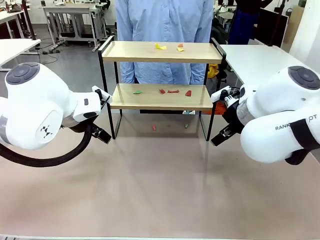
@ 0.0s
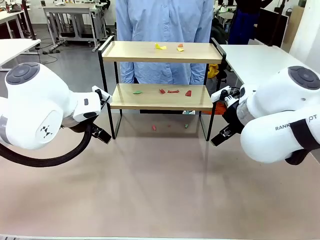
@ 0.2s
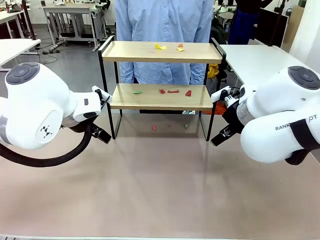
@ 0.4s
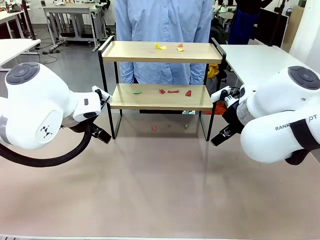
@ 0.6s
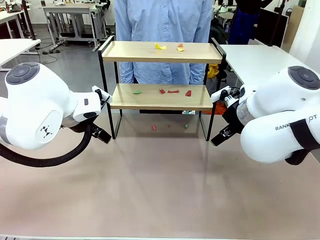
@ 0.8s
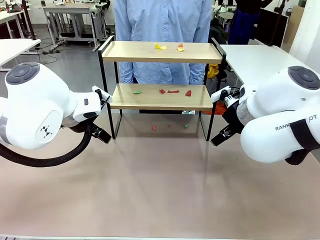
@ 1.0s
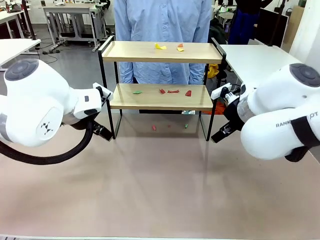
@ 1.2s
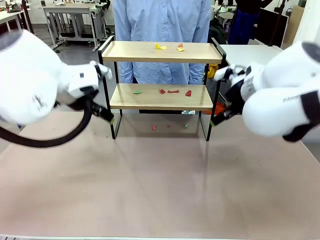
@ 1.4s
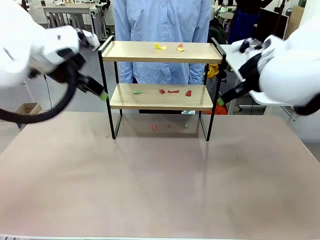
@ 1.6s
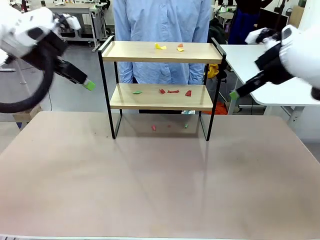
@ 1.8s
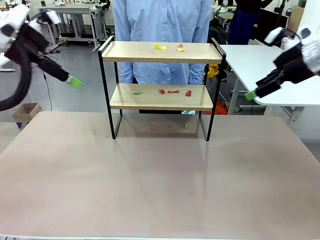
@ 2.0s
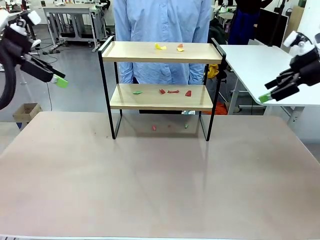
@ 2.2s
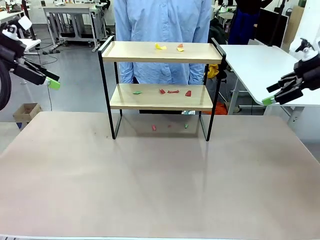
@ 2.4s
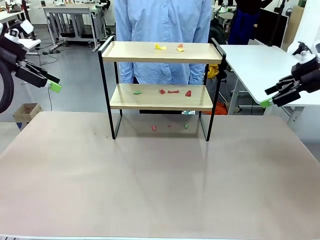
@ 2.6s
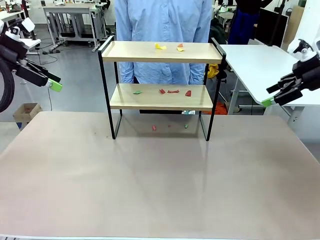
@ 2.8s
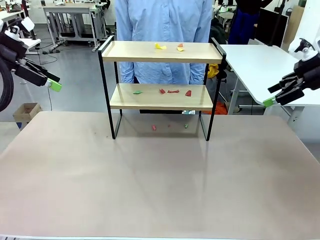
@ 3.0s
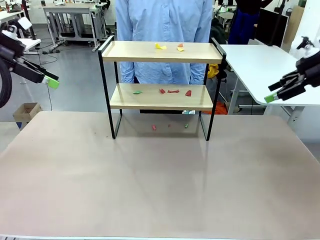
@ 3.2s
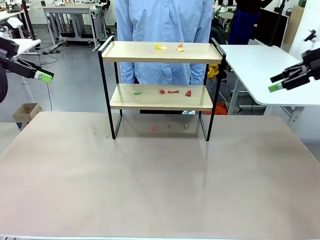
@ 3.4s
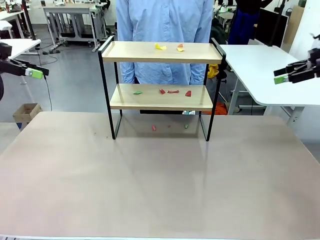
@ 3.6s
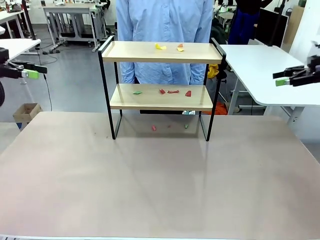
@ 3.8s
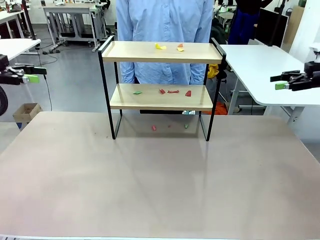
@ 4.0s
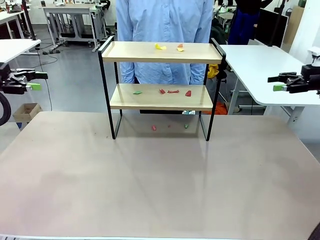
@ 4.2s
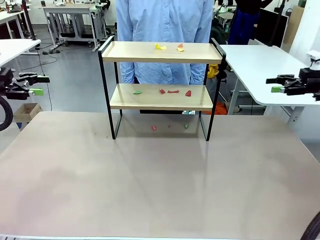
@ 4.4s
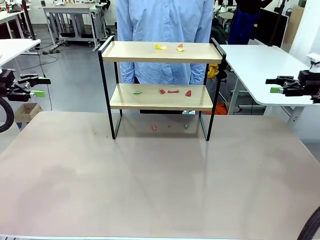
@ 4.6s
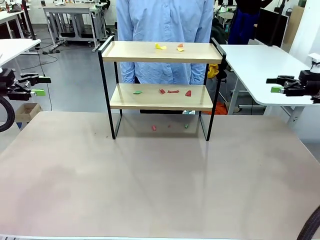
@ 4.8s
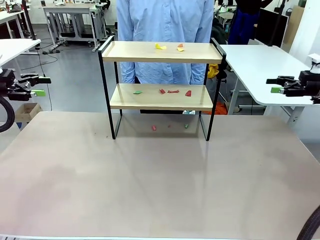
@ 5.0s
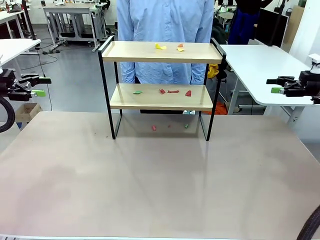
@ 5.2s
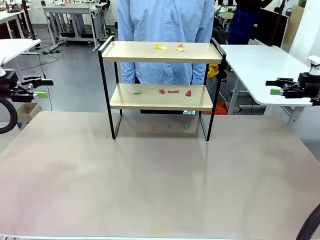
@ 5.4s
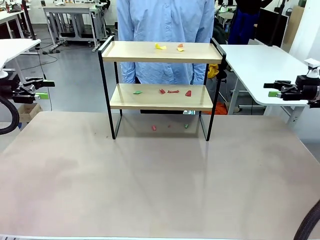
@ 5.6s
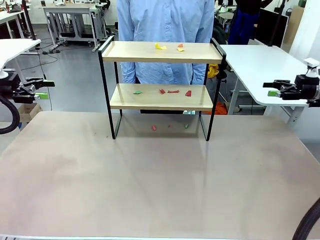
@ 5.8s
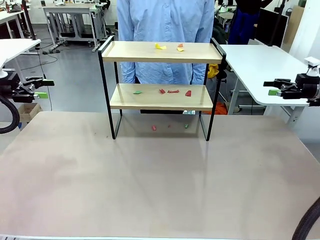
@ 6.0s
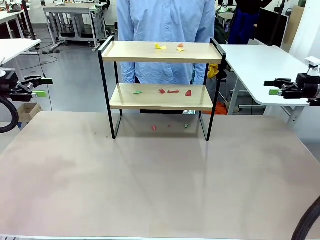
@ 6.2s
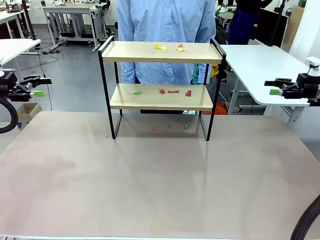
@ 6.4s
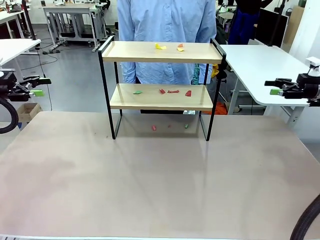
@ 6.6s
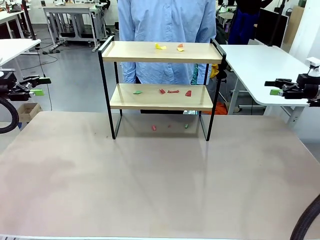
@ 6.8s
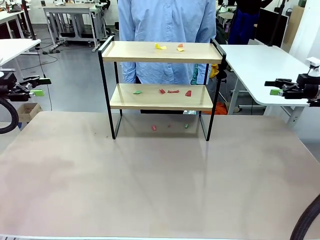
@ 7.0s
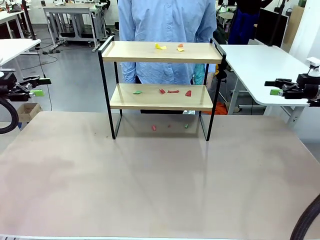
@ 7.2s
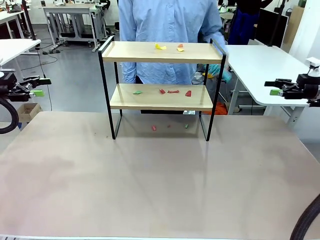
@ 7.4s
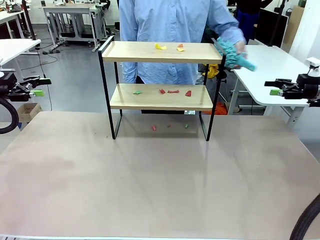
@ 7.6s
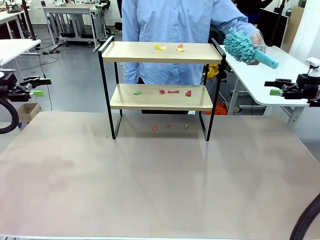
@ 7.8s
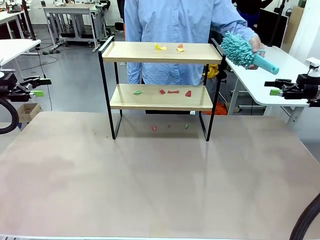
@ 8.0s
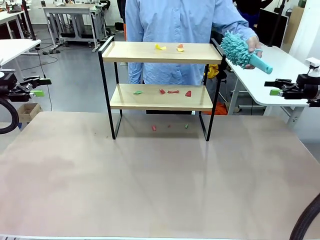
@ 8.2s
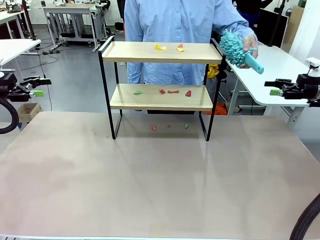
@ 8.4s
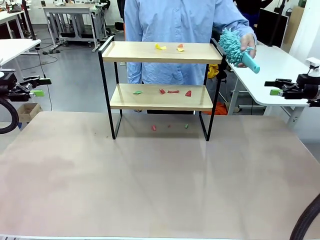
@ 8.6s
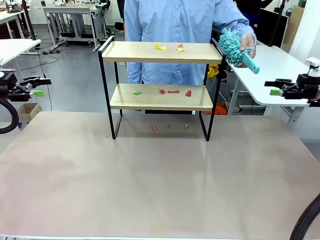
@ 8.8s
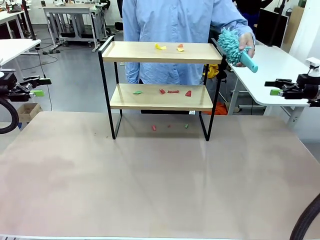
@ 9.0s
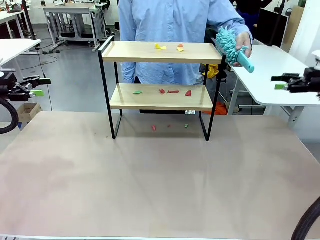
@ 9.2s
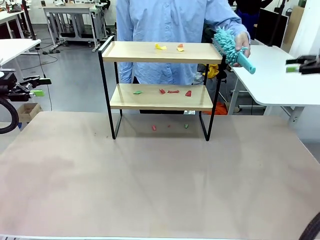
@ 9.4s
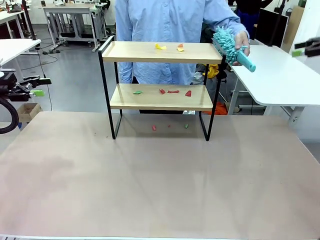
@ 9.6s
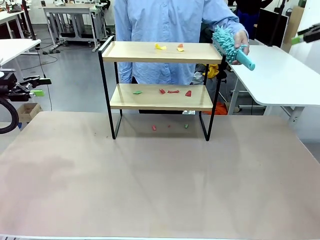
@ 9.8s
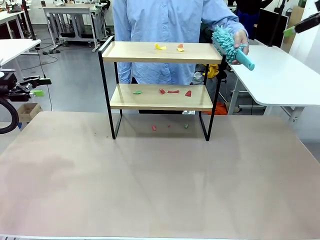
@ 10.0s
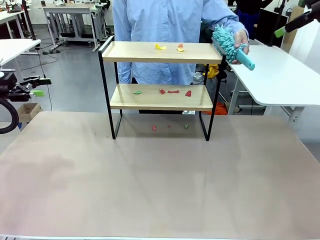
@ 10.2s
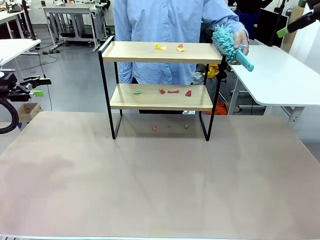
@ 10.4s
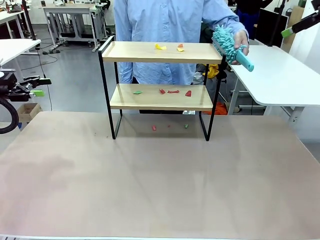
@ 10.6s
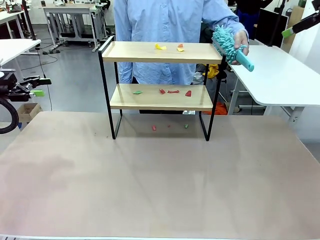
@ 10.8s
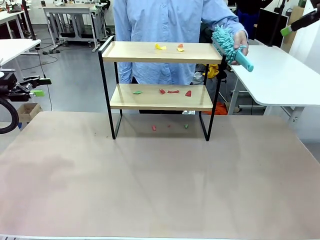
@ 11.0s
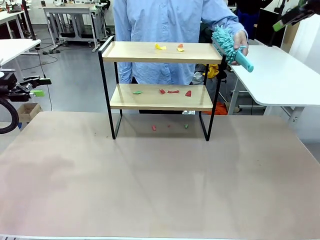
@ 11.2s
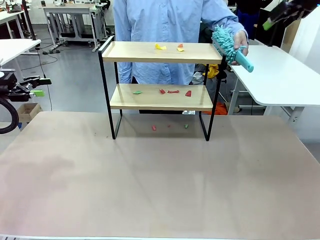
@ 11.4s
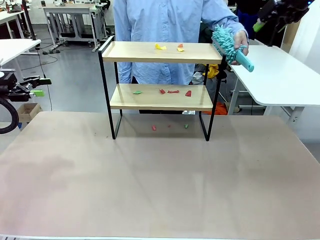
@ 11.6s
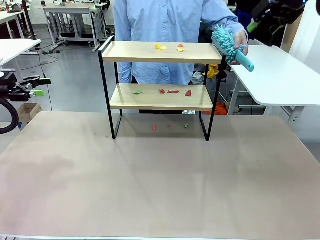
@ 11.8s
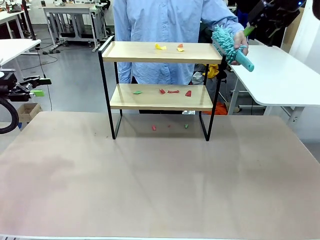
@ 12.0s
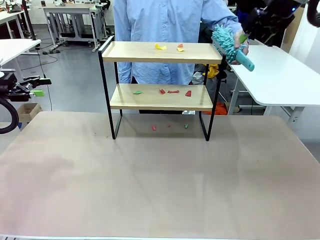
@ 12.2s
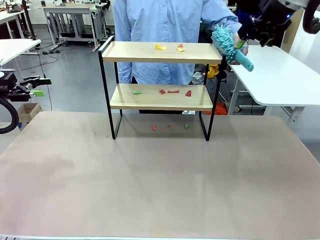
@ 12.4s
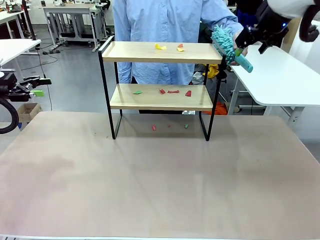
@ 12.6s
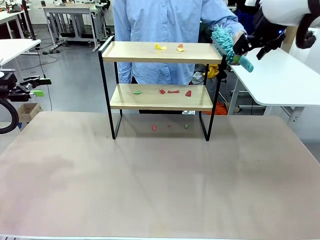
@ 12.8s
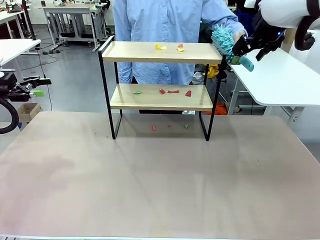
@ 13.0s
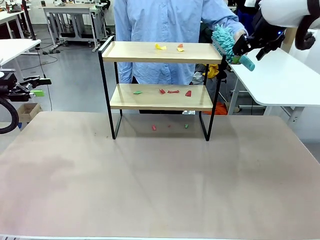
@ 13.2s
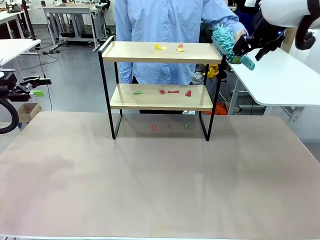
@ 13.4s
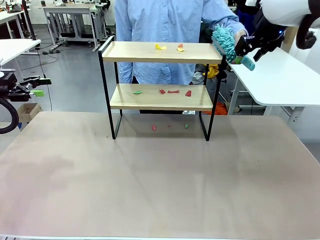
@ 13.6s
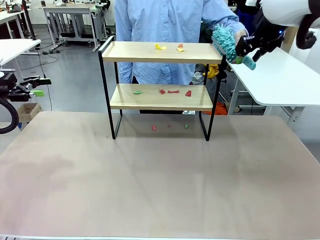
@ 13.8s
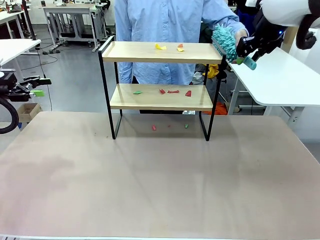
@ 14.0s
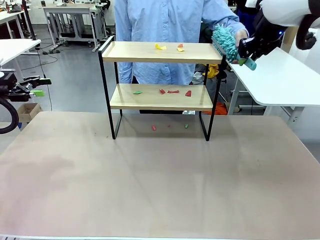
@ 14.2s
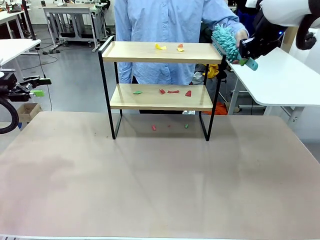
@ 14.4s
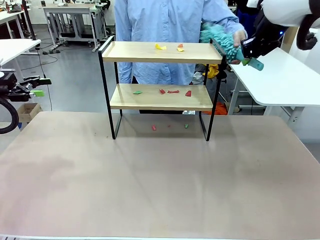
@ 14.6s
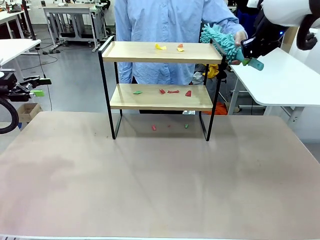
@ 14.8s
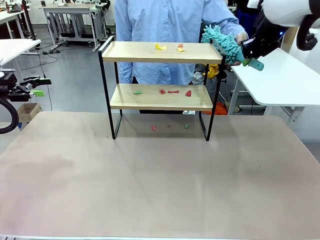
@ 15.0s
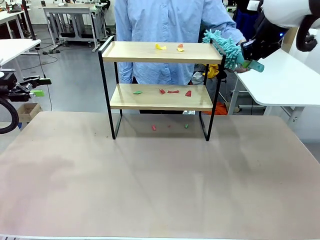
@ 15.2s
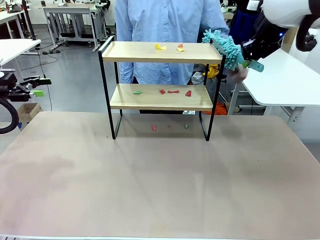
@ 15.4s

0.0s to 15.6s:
Task: Clean the shelf.
Robot: Pick up the Duster handed by the human.
Person: Hand the Duster to the robot.
